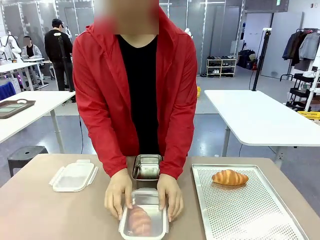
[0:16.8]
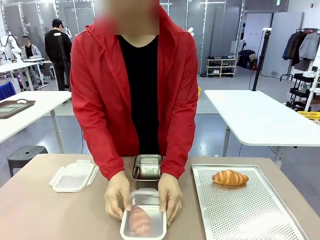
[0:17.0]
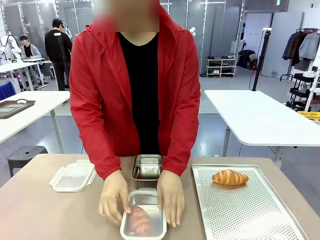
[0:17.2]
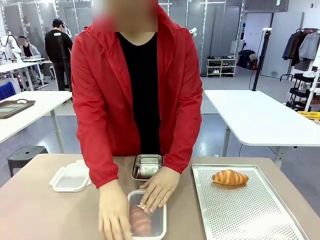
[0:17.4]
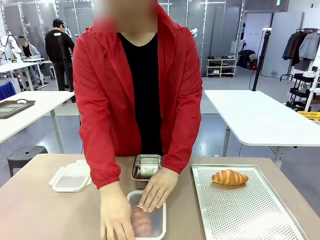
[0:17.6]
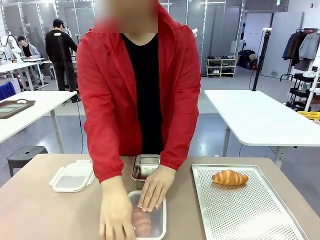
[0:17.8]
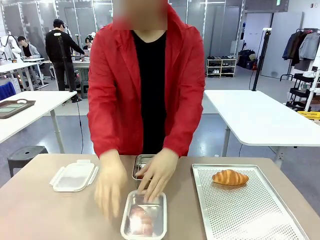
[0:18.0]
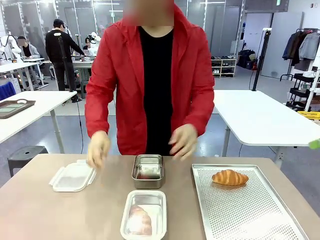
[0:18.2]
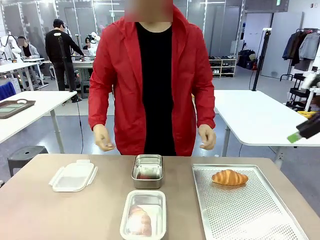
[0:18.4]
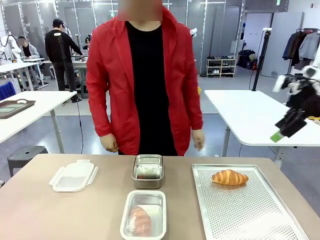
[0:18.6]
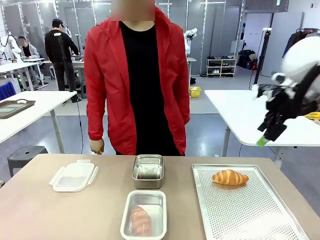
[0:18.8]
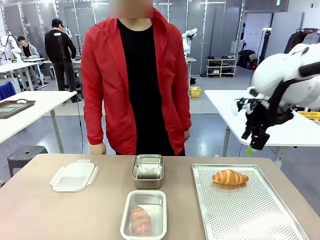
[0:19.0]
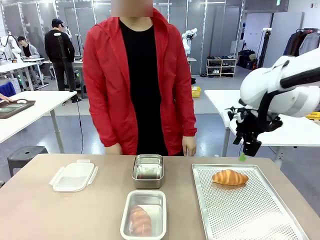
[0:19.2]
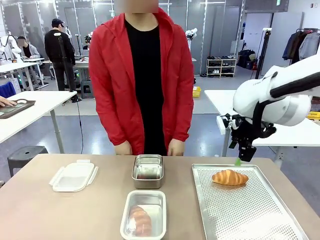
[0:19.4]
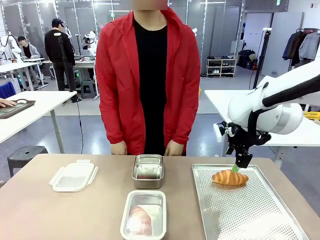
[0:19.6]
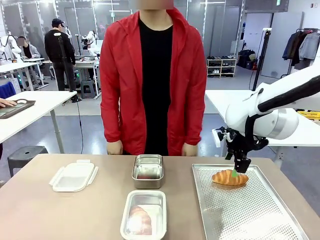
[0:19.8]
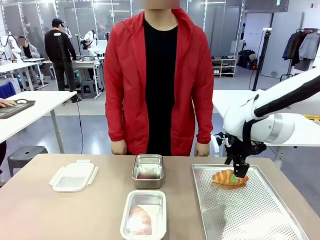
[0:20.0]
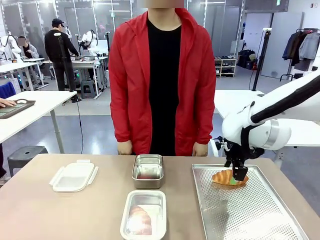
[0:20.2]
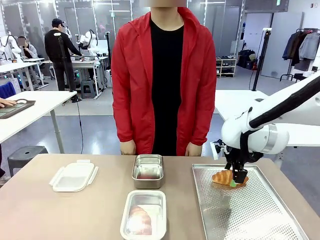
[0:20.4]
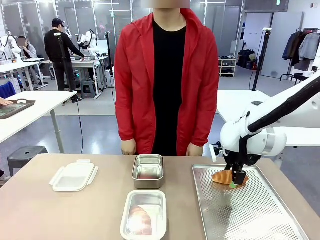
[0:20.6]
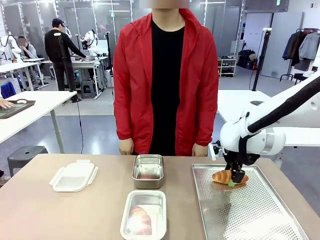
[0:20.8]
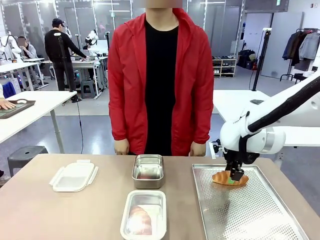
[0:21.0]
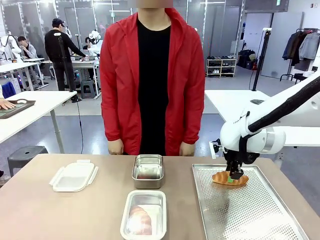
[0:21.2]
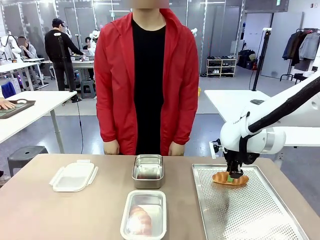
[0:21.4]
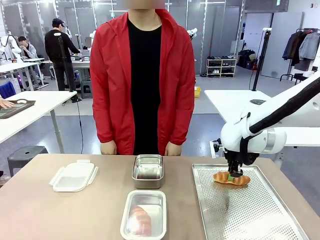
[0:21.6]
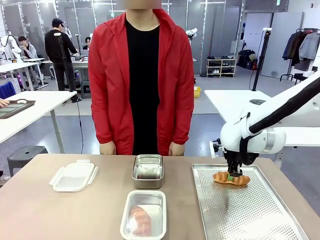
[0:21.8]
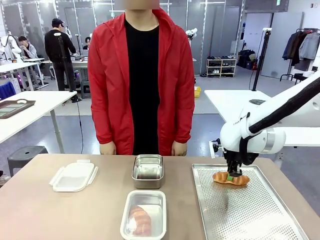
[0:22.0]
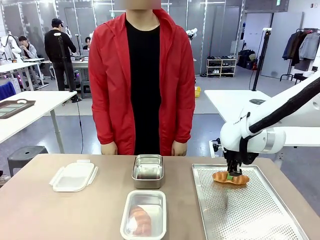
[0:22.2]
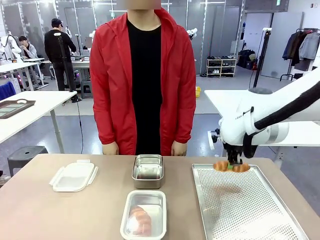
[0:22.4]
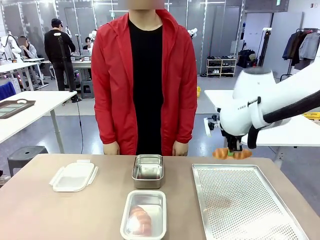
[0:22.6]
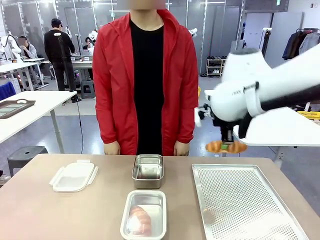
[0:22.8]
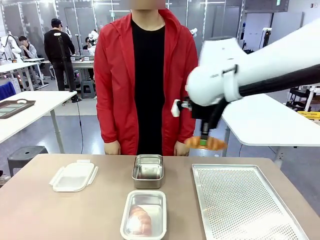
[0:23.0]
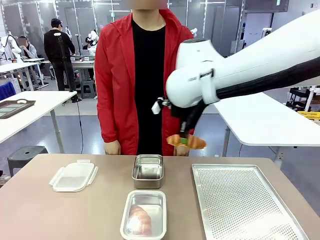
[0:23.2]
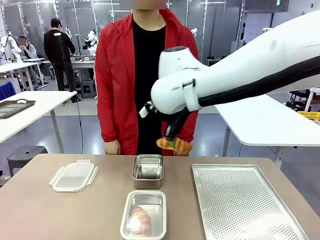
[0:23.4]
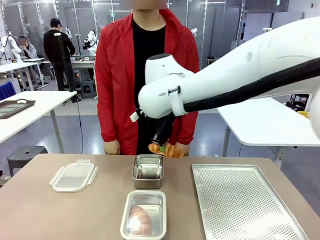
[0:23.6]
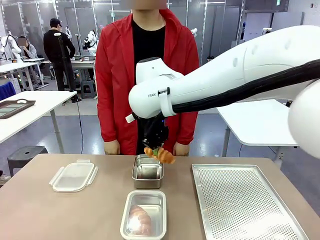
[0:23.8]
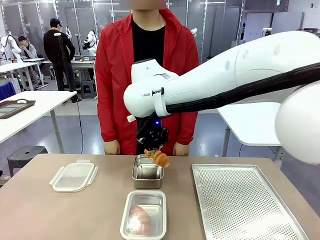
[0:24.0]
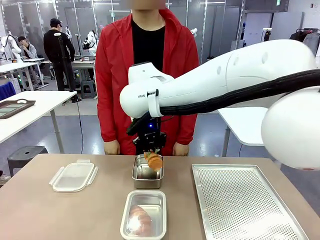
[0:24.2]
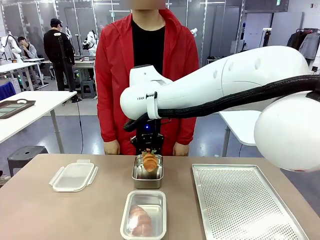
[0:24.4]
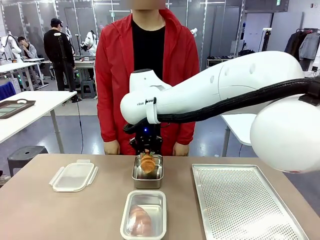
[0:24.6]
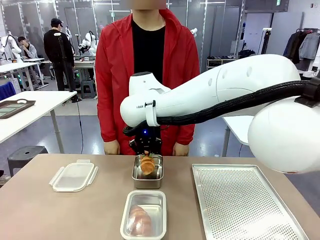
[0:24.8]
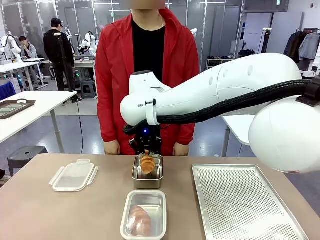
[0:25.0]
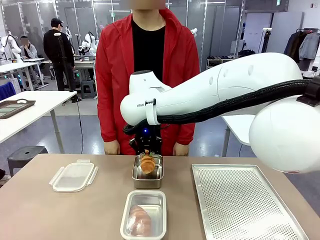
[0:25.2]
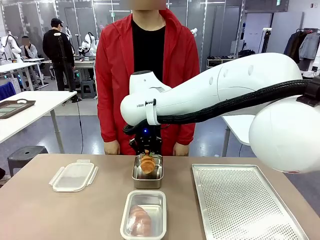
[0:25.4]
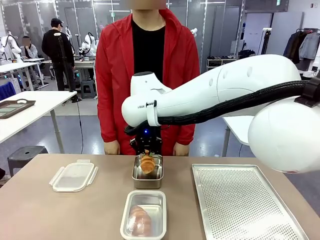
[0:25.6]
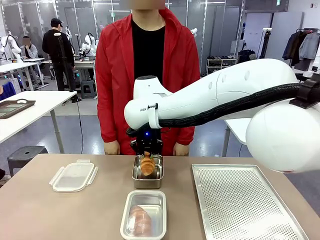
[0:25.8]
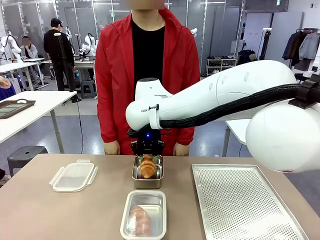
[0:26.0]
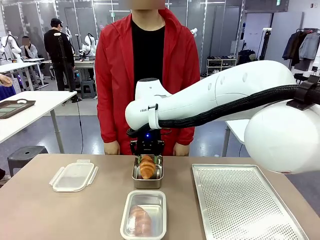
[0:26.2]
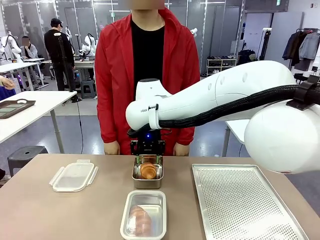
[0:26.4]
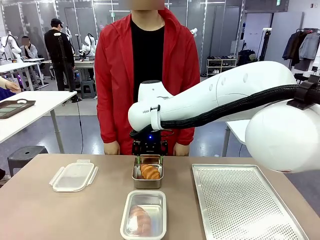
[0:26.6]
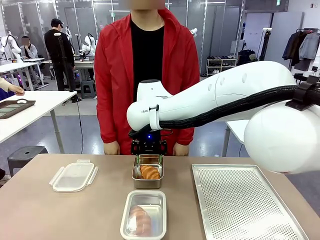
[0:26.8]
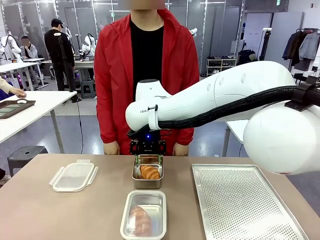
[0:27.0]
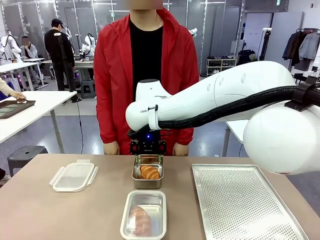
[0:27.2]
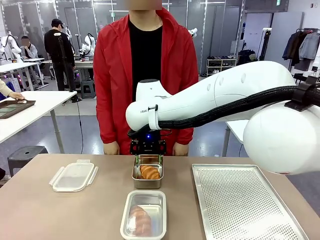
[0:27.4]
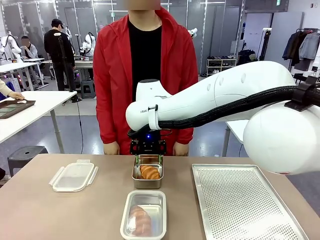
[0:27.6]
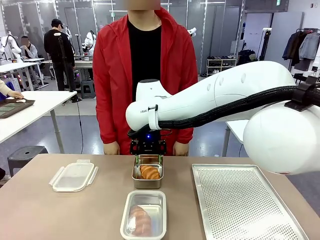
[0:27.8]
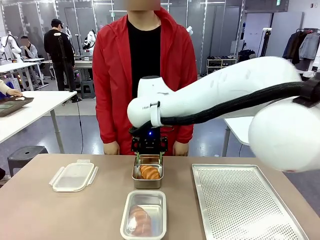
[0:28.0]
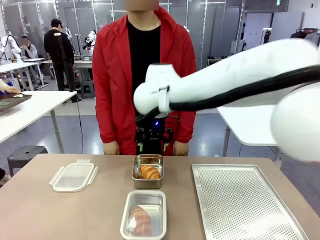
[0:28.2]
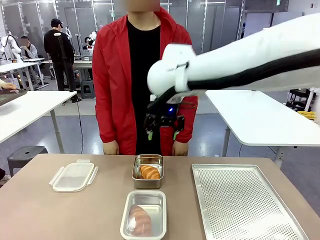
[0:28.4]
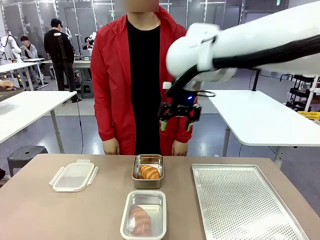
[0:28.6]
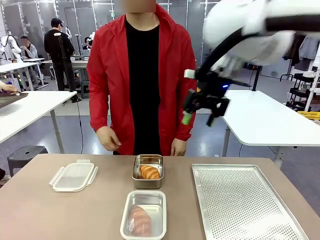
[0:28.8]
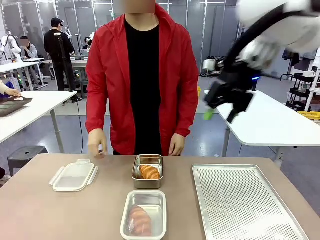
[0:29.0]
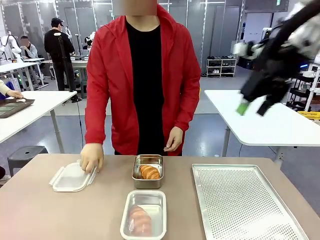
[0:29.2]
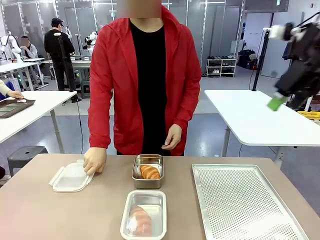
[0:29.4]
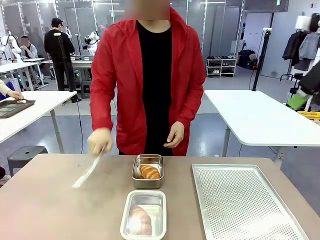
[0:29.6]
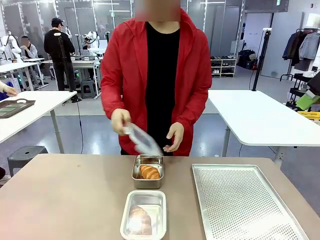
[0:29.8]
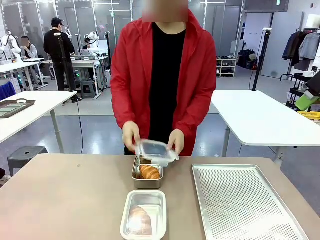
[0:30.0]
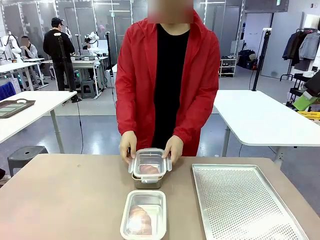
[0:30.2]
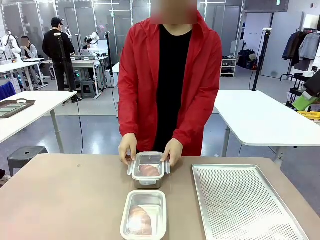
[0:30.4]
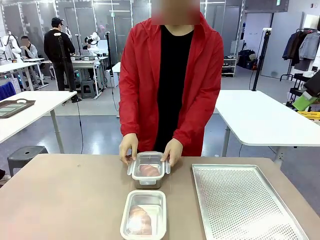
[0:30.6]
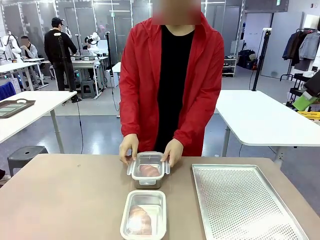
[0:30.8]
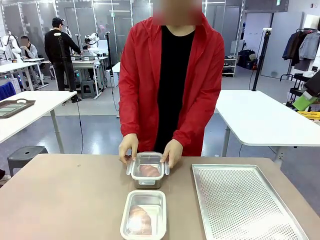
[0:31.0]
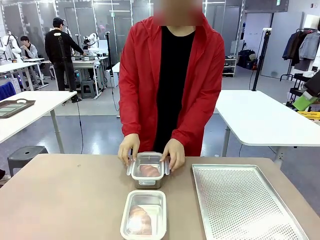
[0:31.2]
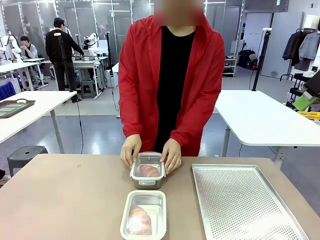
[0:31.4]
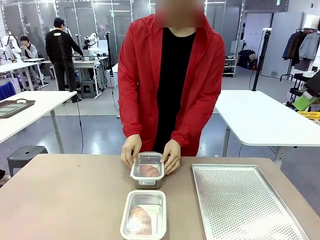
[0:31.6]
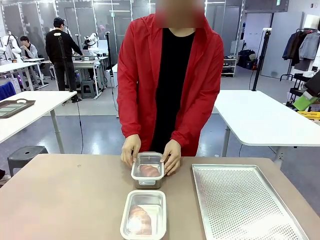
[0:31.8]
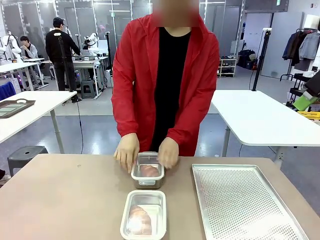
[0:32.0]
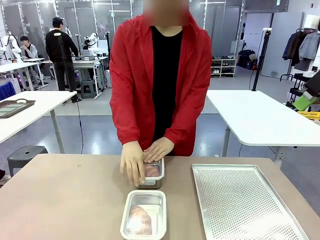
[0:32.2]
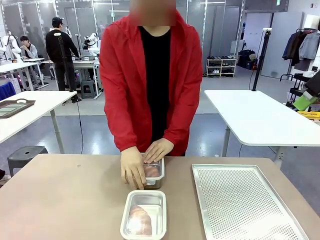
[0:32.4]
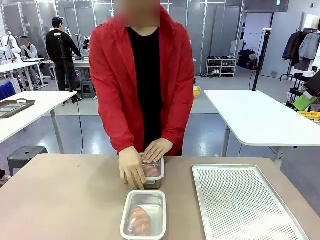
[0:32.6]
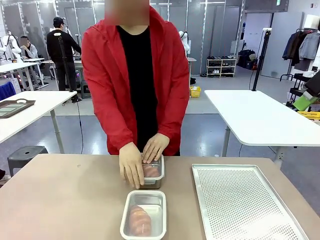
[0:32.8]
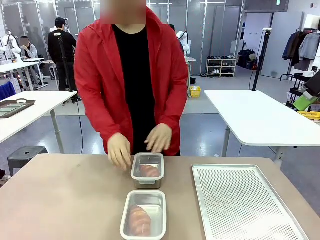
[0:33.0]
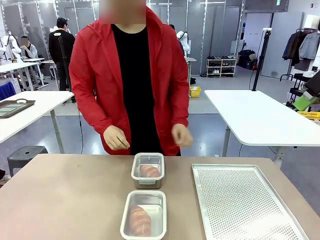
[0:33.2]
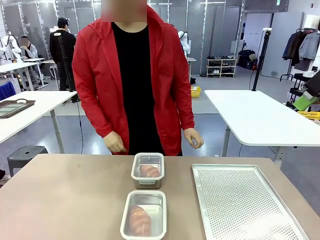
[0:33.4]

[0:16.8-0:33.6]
Task: Place the bread into the airtight container.
Robot: Pick up a Butter Roll and place it into an empty Airtight Container.
